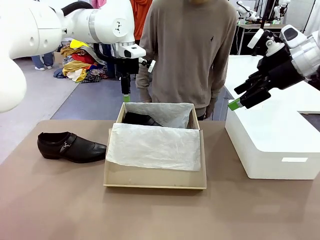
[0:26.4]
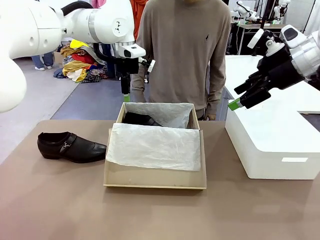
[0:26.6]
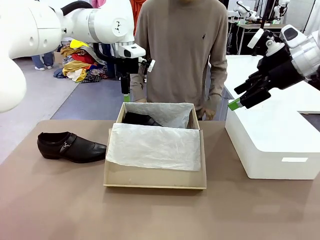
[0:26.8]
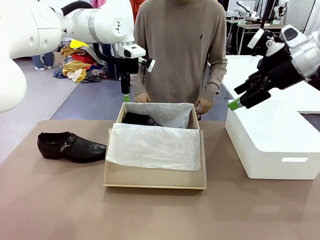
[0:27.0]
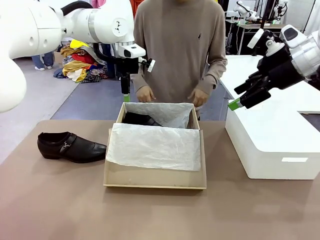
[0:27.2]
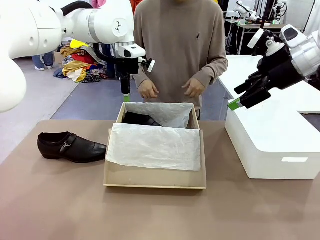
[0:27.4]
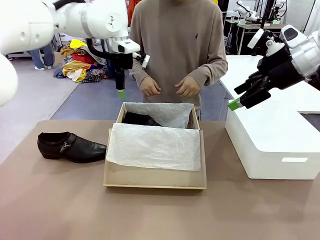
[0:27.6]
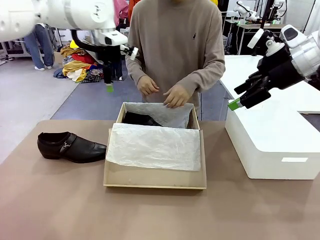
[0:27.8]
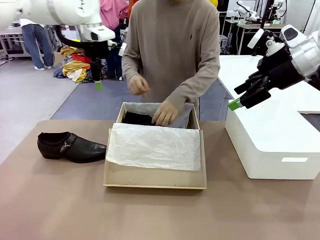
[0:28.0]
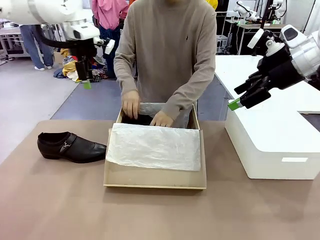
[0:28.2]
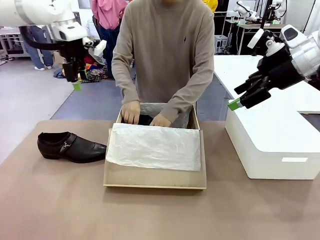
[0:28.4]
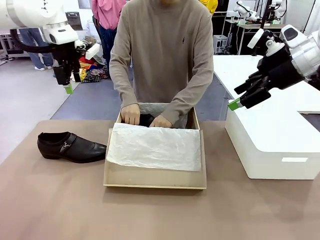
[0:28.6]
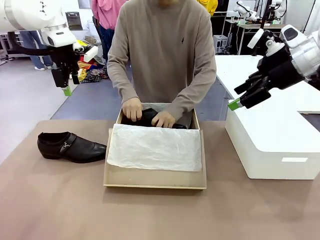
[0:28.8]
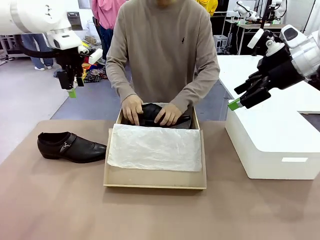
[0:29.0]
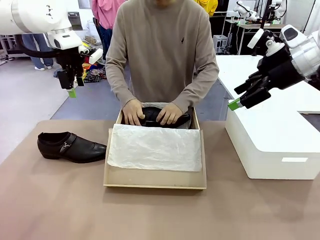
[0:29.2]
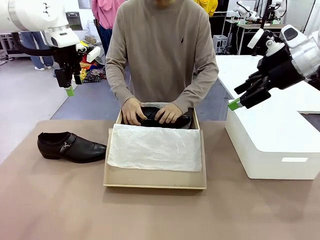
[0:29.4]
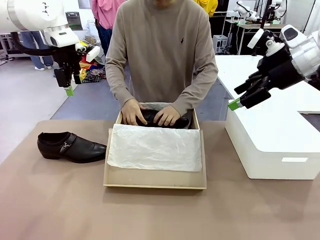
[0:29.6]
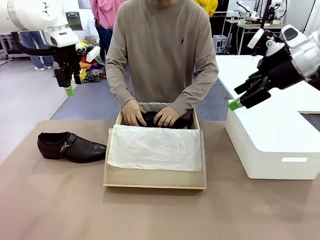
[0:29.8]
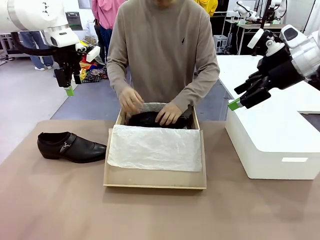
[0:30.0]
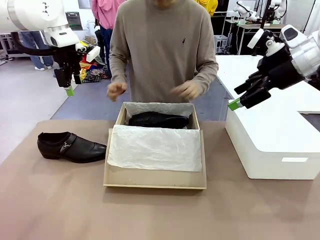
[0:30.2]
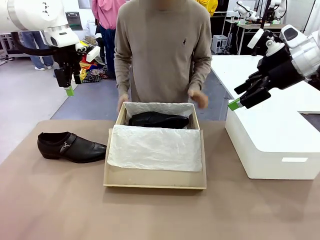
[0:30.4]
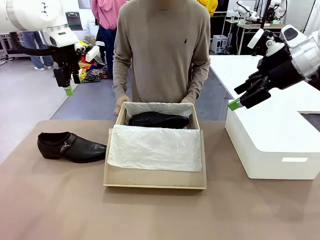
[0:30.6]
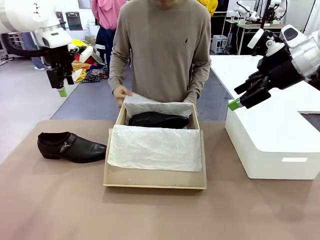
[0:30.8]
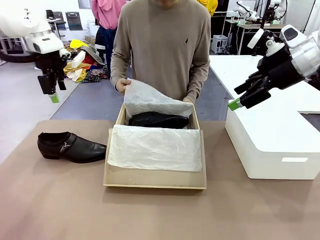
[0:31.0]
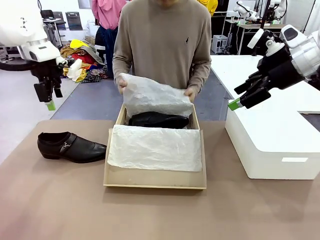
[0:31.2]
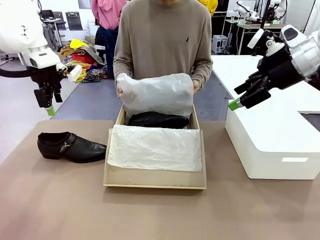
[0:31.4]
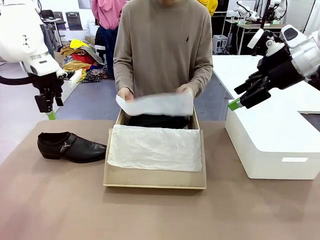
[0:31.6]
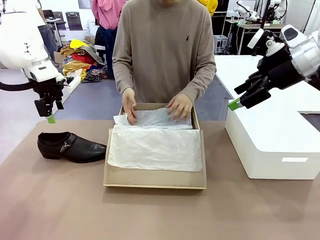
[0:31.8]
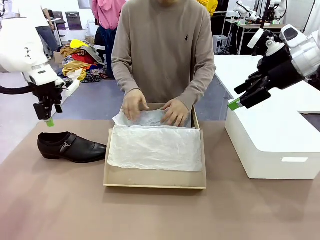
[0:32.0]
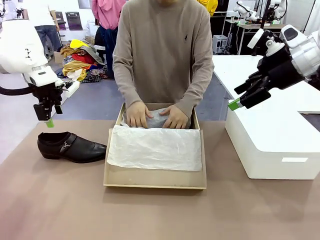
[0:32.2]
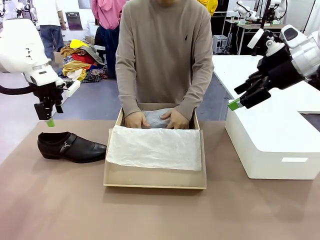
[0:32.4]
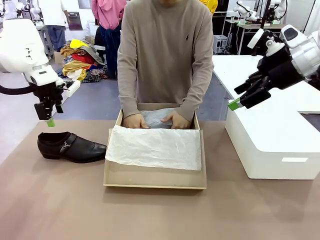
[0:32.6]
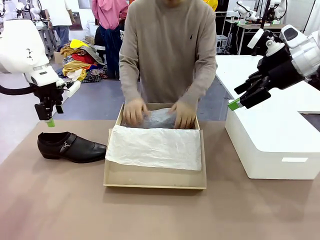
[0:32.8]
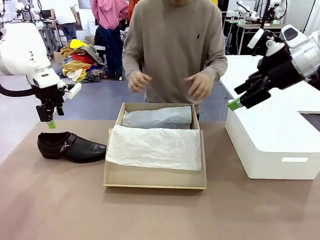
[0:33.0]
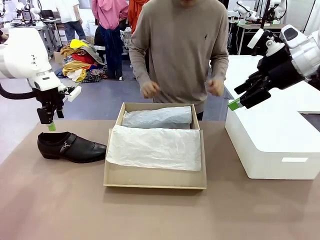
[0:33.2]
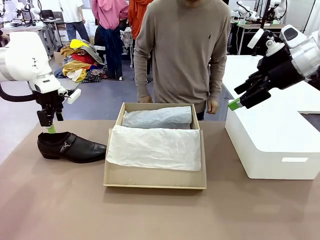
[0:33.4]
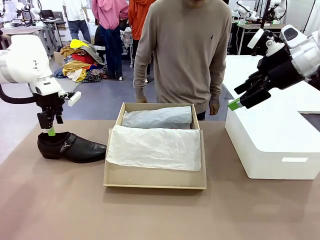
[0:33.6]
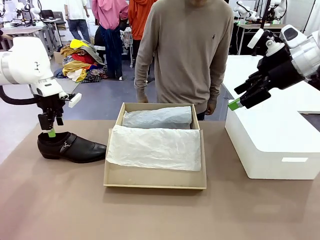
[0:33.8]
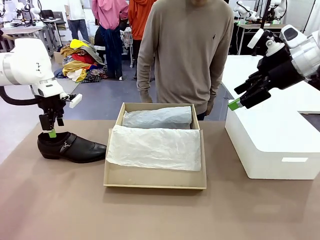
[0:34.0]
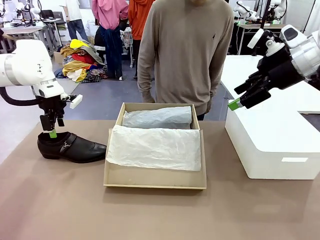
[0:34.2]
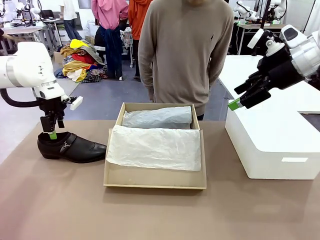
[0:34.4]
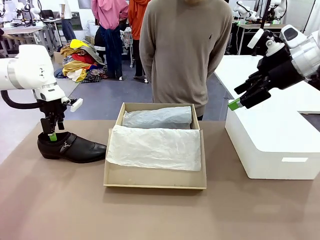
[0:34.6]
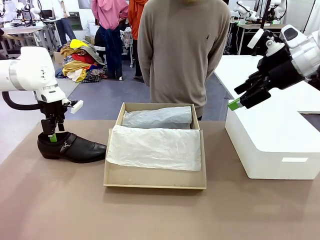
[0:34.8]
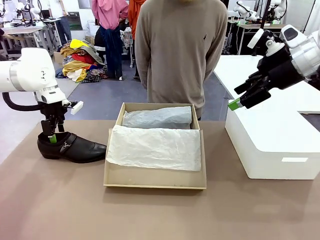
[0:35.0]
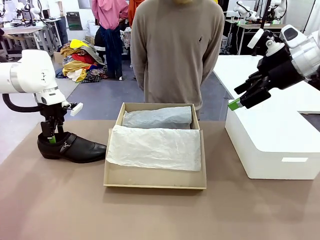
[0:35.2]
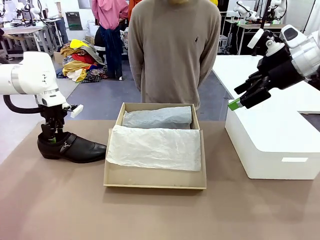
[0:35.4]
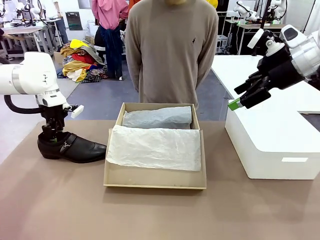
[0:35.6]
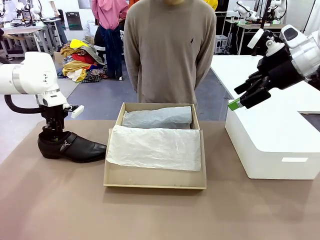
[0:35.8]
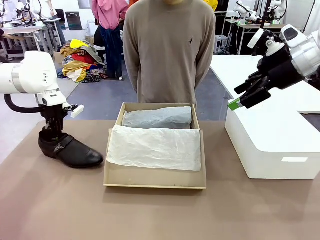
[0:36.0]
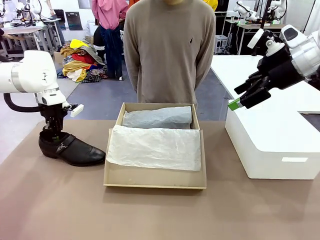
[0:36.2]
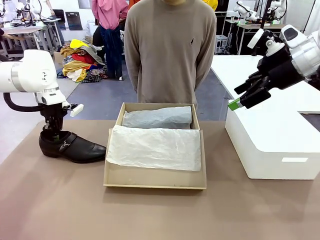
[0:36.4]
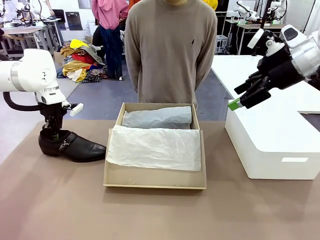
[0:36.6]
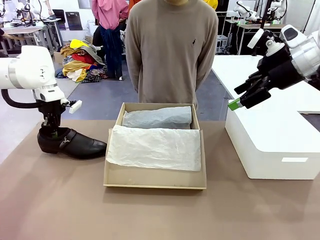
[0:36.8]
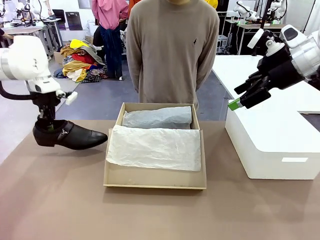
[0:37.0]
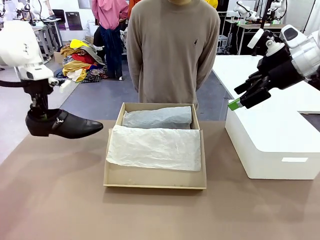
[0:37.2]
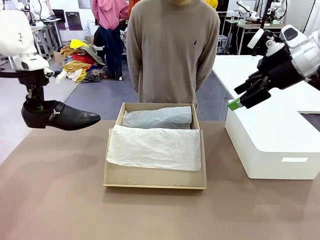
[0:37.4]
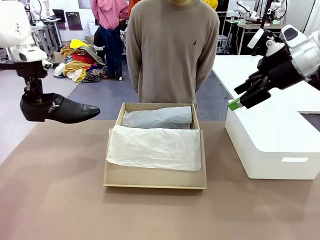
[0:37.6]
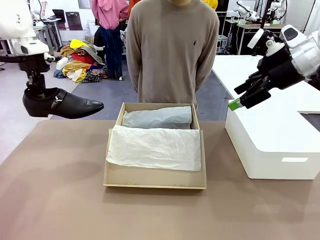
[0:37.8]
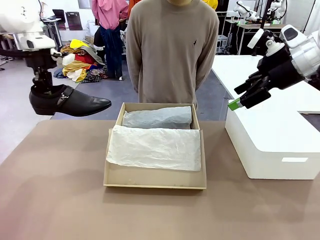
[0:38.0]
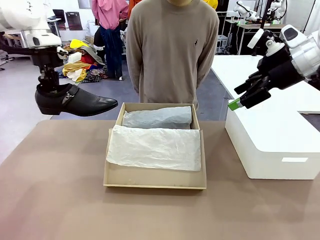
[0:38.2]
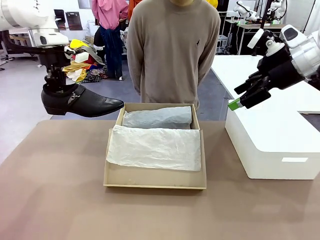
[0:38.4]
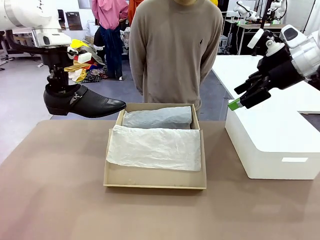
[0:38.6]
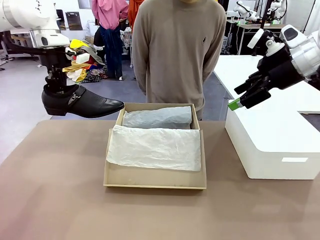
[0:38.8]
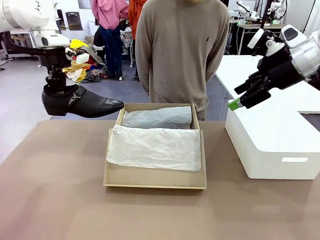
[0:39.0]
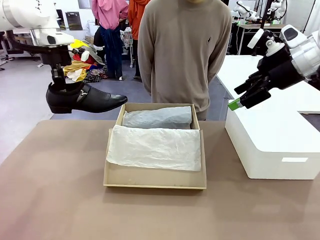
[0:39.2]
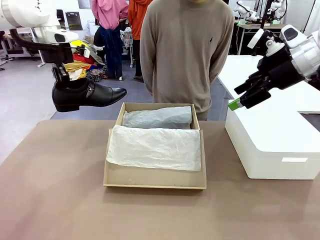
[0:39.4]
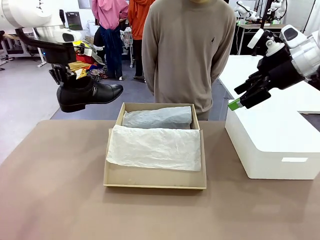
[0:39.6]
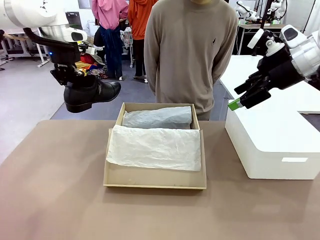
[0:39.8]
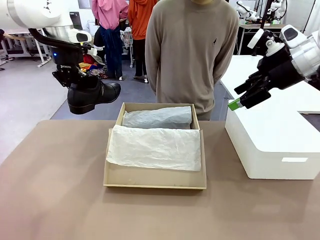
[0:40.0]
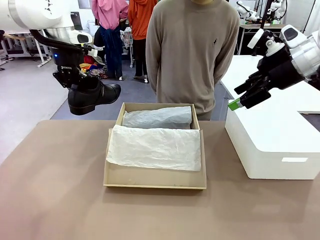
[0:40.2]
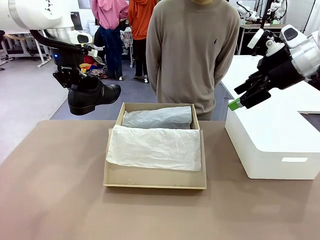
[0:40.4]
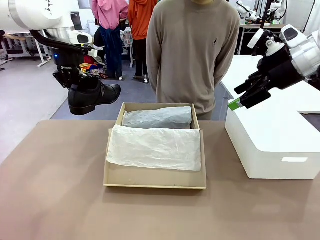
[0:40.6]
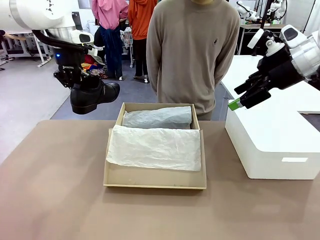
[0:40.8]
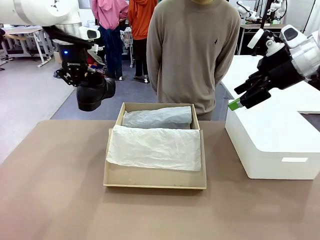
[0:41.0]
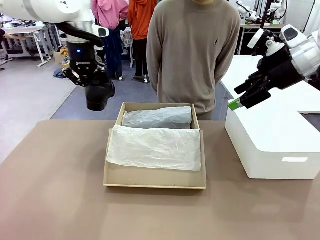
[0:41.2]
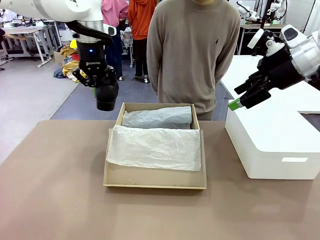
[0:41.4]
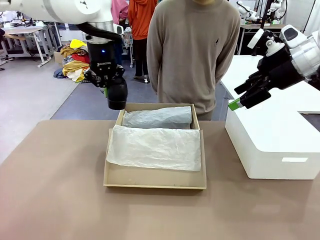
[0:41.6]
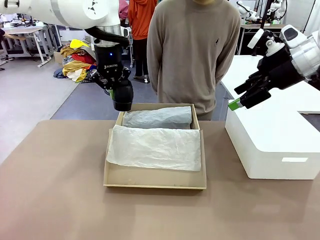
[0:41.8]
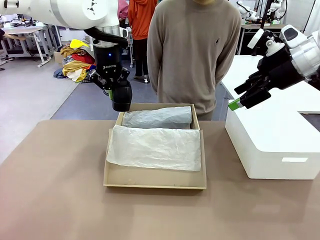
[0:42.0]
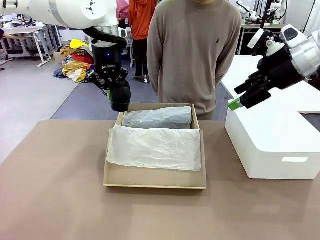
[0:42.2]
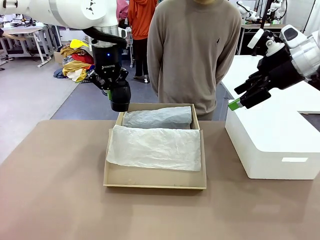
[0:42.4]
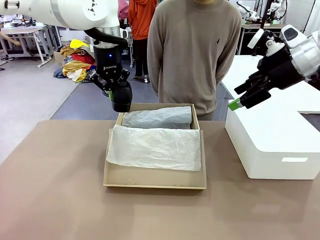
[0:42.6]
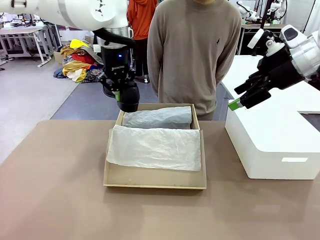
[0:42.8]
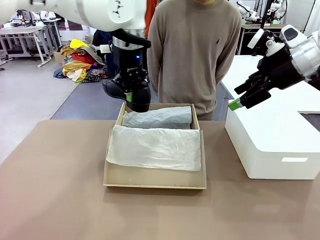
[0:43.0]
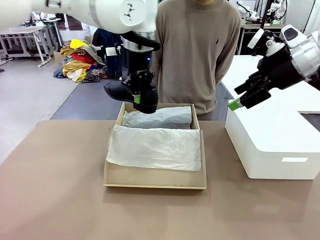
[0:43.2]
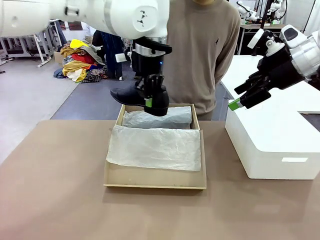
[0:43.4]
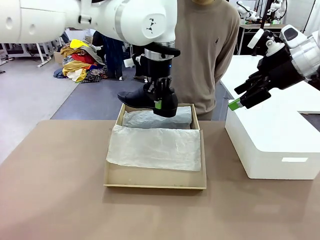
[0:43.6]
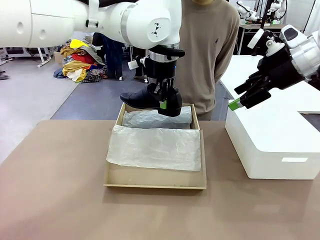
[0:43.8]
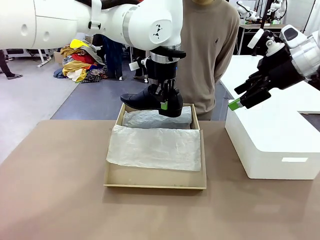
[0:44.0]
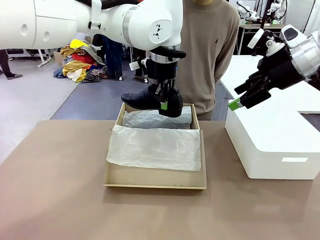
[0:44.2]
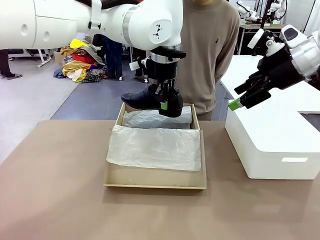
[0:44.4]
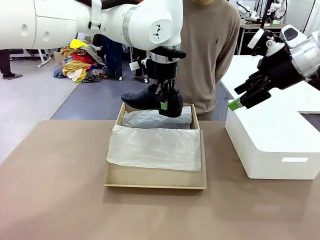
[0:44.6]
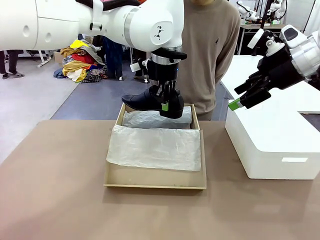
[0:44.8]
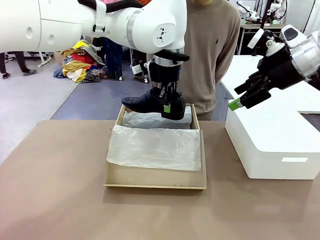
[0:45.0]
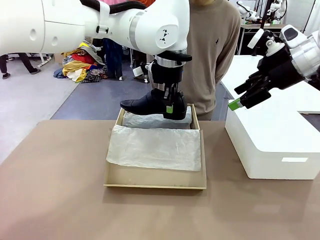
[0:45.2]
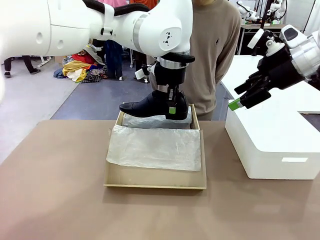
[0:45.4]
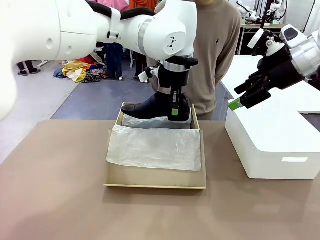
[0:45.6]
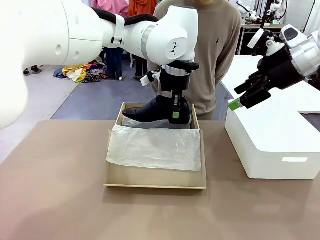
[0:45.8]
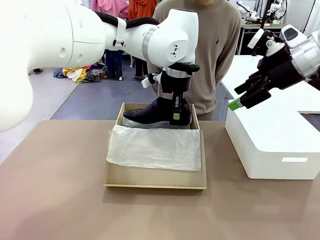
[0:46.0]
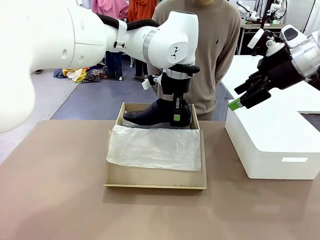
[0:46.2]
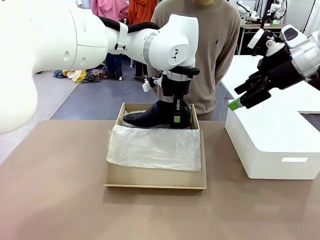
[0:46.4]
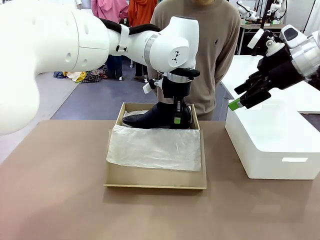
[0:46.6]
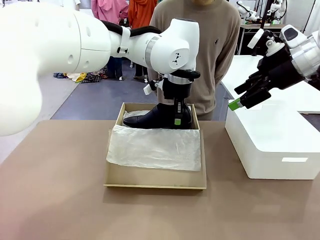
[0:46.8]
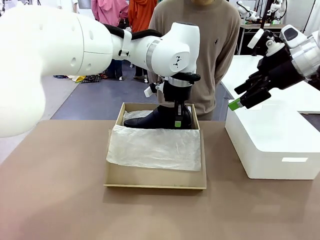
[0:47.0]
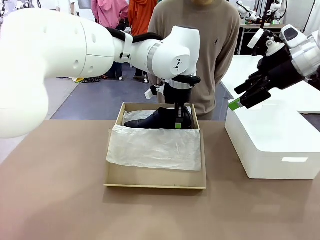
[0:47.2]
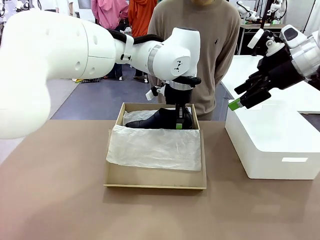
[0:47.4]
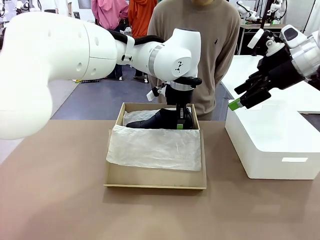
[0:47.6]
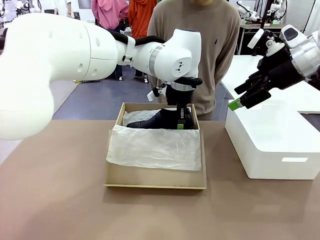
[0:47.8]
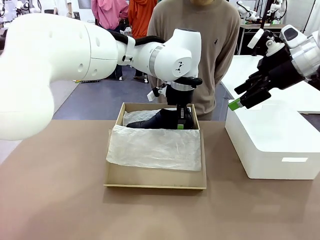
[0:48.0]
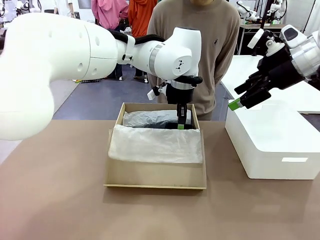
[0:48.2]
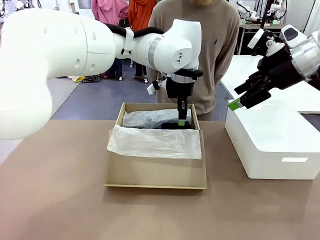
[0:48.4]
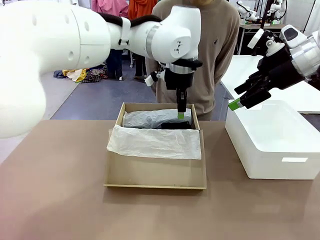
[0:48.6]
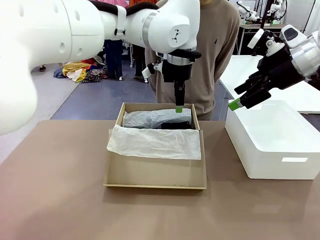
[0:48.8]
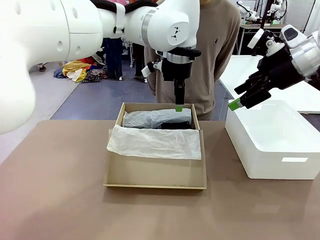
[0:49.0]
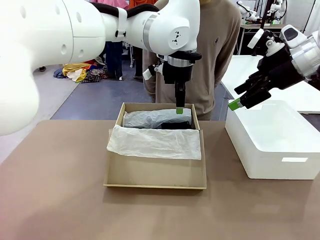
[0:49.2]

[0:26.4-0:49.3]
Task: Pack the shoes into the box.
Robot: Place the other shoe of the Shoes into the Shoes Box.
Person: Pack a shoe of Shoes inside the Shoes Box with Shoes Wrapping Paper.
